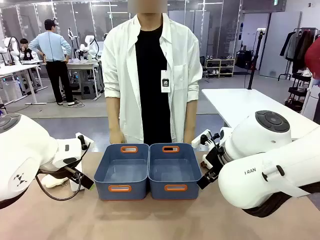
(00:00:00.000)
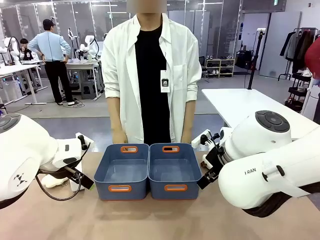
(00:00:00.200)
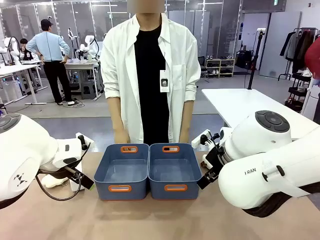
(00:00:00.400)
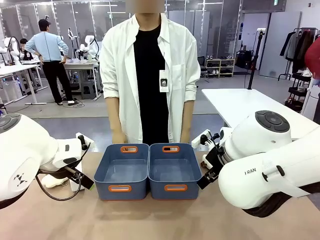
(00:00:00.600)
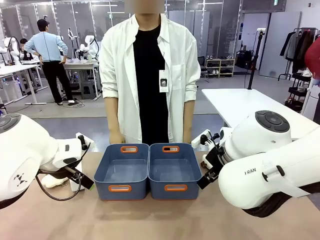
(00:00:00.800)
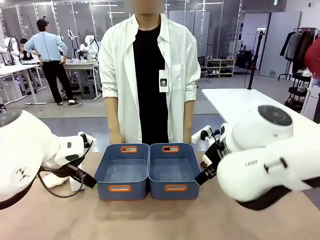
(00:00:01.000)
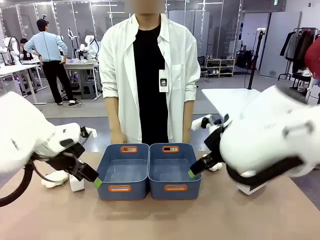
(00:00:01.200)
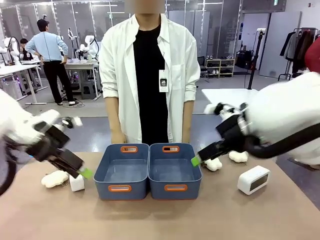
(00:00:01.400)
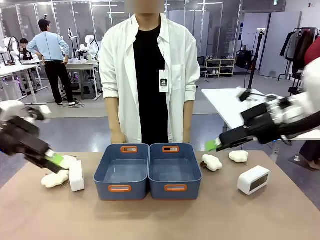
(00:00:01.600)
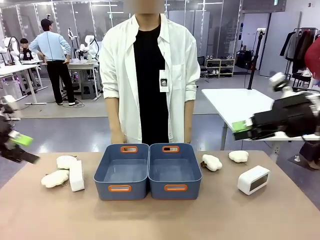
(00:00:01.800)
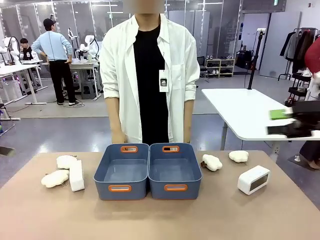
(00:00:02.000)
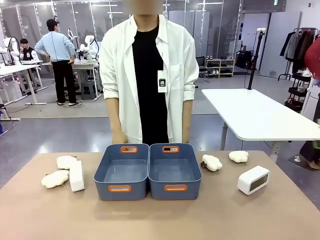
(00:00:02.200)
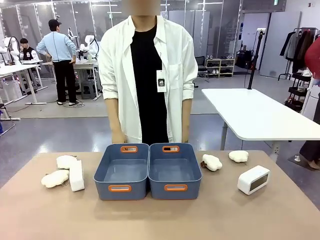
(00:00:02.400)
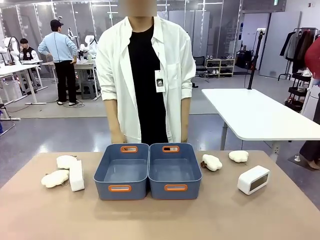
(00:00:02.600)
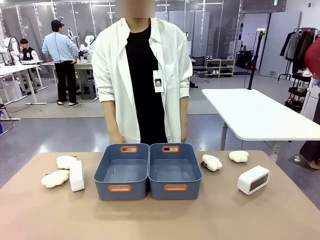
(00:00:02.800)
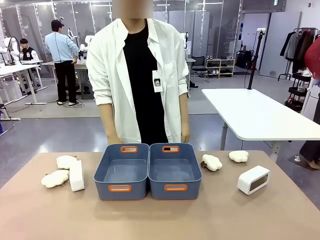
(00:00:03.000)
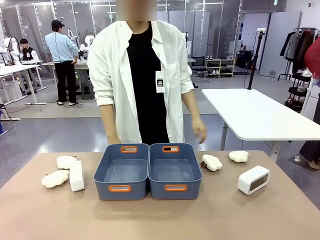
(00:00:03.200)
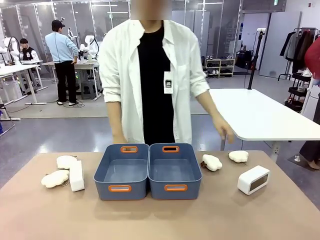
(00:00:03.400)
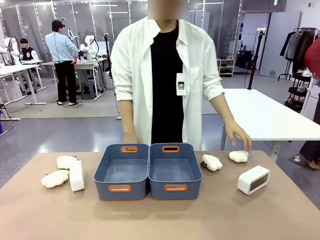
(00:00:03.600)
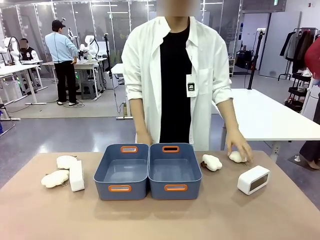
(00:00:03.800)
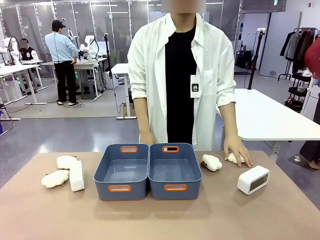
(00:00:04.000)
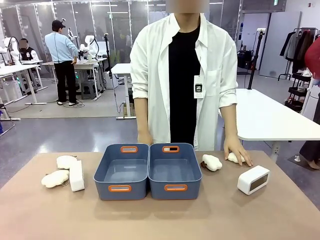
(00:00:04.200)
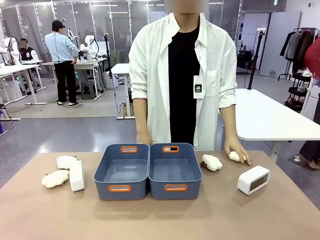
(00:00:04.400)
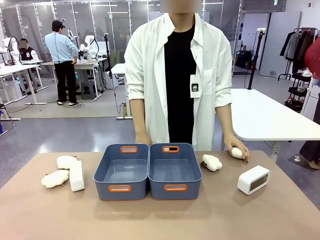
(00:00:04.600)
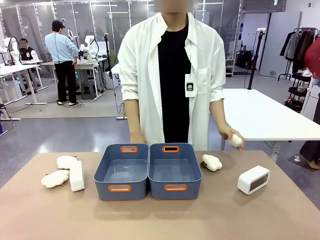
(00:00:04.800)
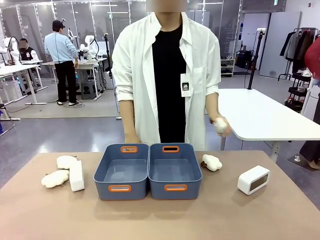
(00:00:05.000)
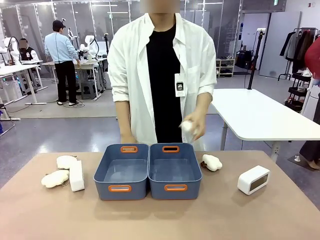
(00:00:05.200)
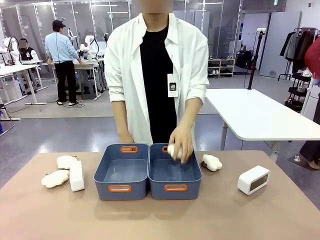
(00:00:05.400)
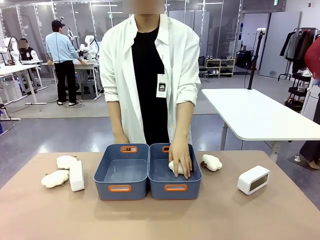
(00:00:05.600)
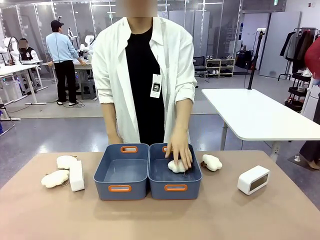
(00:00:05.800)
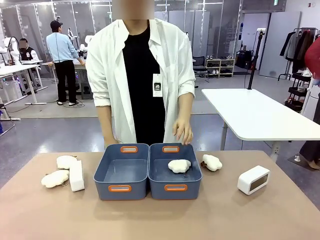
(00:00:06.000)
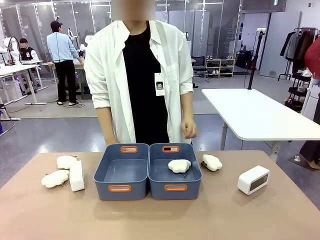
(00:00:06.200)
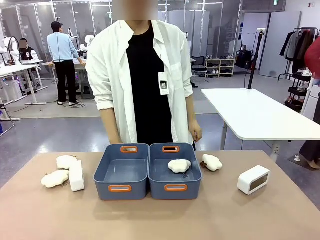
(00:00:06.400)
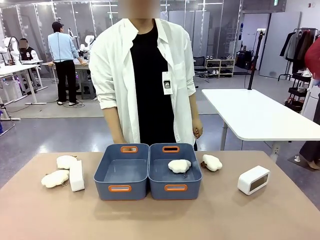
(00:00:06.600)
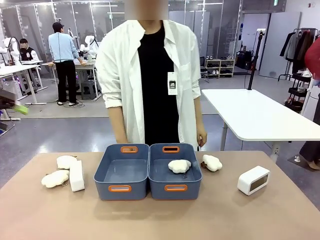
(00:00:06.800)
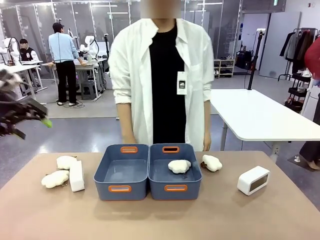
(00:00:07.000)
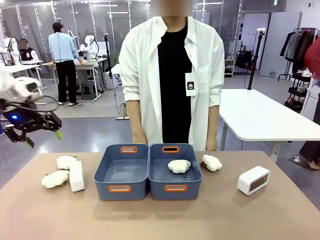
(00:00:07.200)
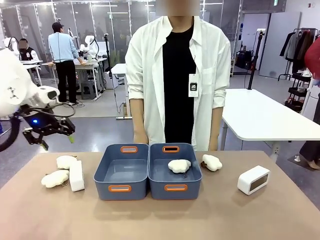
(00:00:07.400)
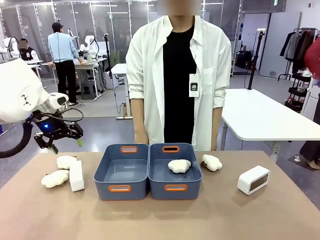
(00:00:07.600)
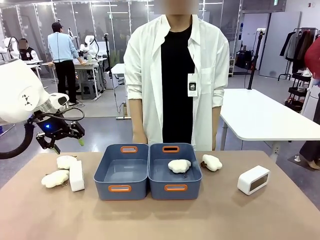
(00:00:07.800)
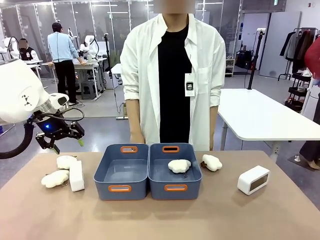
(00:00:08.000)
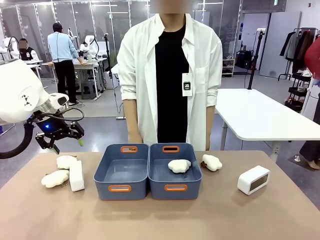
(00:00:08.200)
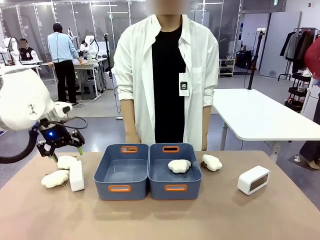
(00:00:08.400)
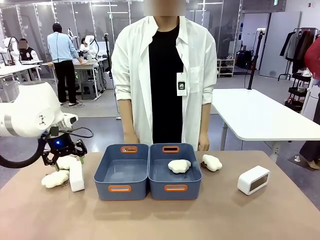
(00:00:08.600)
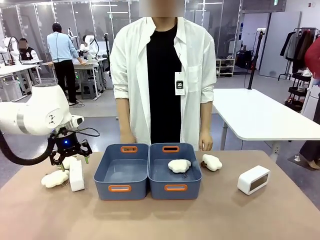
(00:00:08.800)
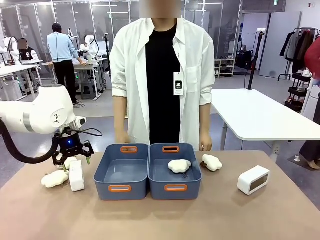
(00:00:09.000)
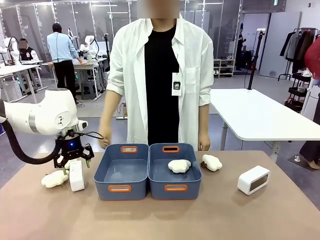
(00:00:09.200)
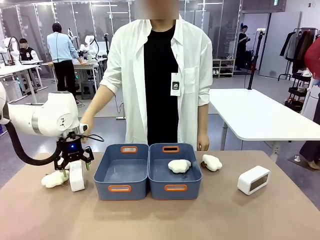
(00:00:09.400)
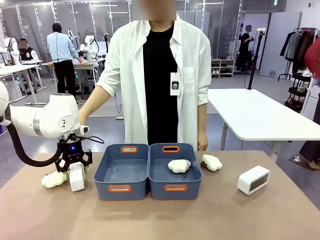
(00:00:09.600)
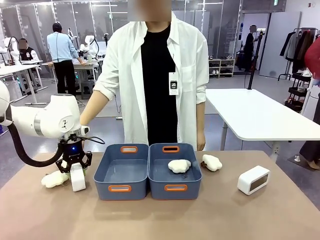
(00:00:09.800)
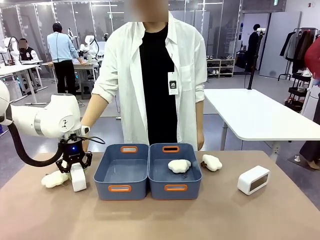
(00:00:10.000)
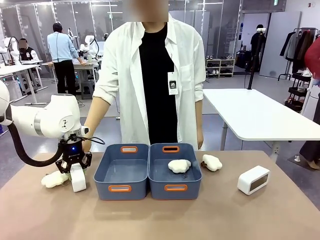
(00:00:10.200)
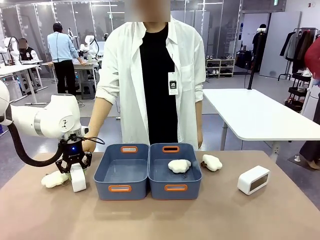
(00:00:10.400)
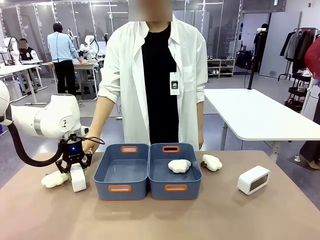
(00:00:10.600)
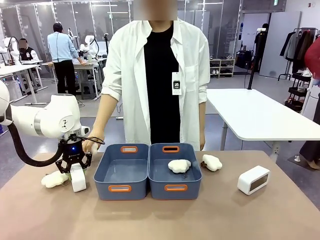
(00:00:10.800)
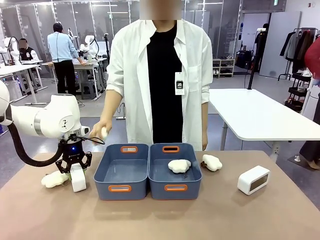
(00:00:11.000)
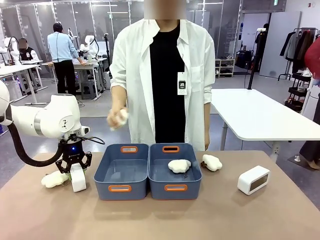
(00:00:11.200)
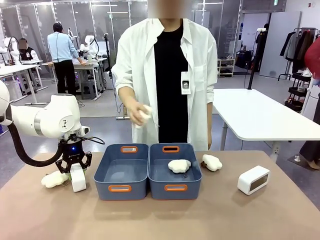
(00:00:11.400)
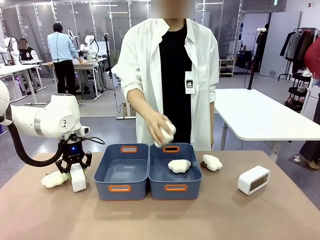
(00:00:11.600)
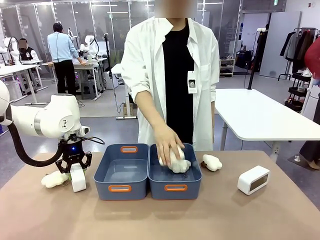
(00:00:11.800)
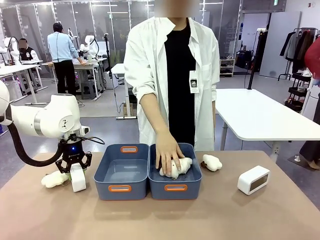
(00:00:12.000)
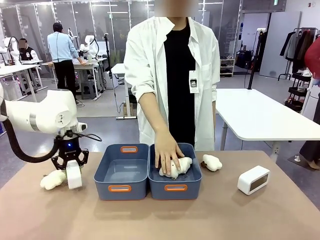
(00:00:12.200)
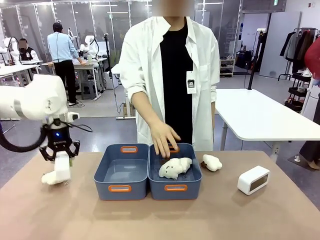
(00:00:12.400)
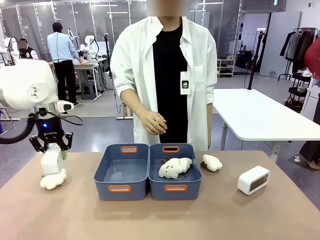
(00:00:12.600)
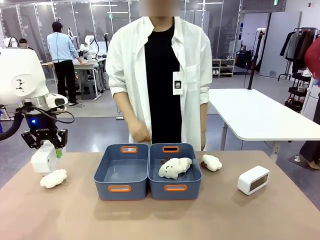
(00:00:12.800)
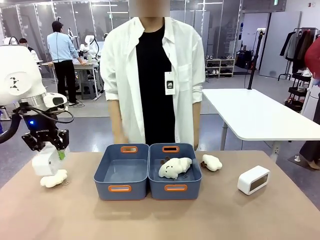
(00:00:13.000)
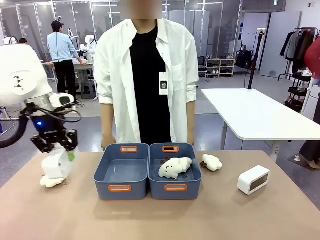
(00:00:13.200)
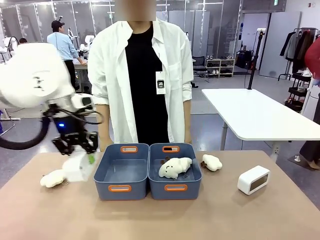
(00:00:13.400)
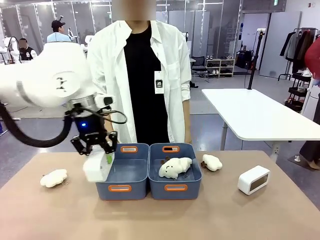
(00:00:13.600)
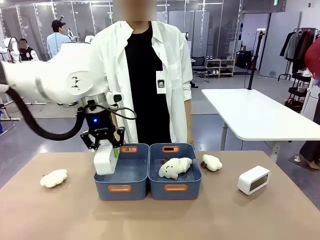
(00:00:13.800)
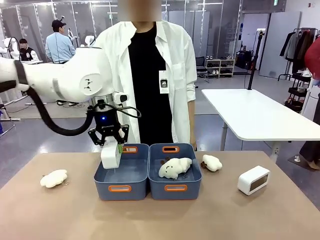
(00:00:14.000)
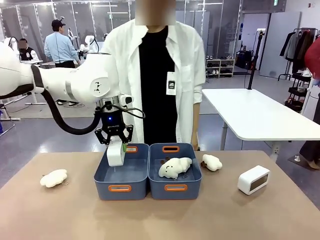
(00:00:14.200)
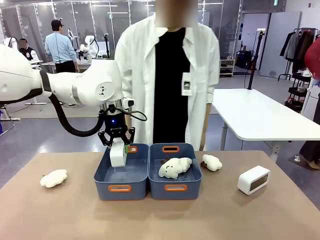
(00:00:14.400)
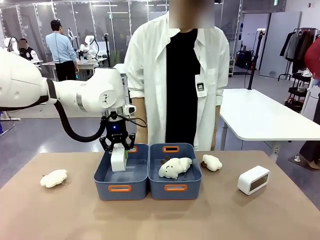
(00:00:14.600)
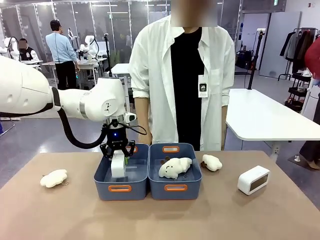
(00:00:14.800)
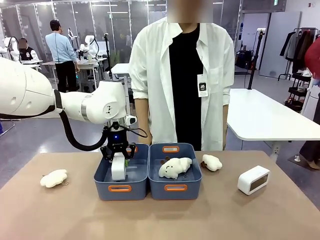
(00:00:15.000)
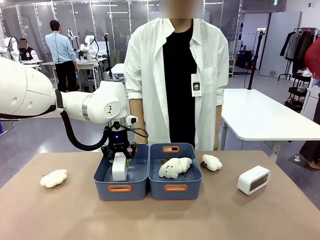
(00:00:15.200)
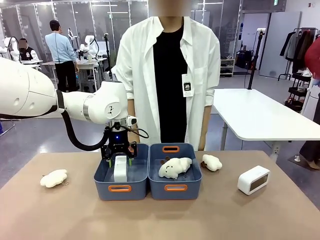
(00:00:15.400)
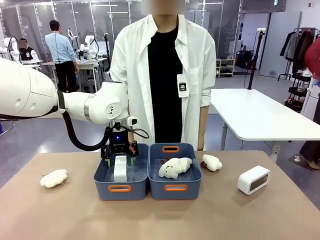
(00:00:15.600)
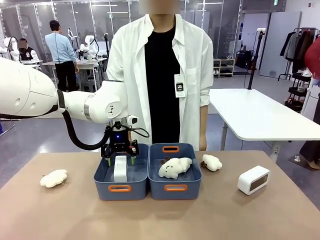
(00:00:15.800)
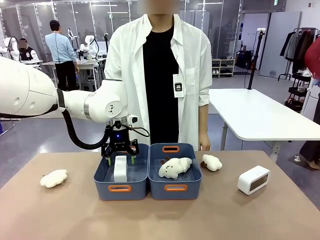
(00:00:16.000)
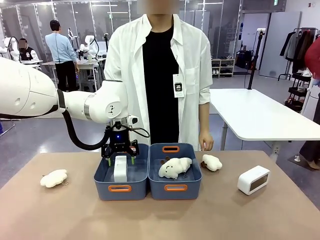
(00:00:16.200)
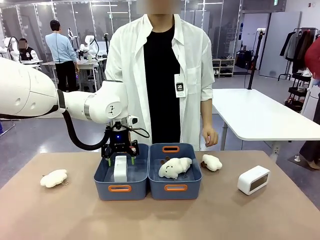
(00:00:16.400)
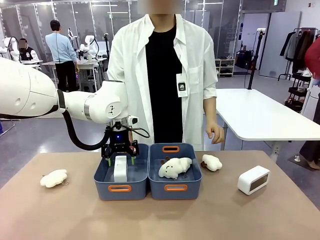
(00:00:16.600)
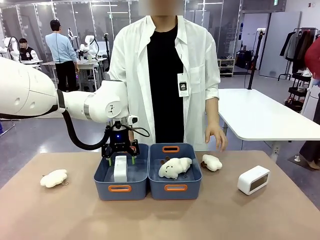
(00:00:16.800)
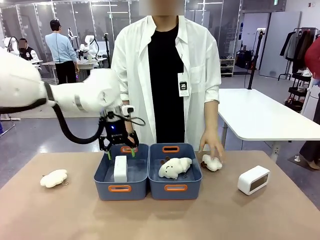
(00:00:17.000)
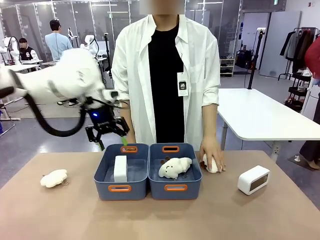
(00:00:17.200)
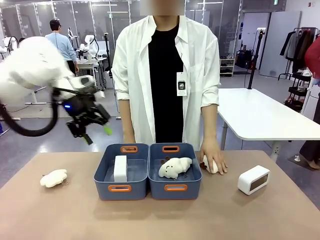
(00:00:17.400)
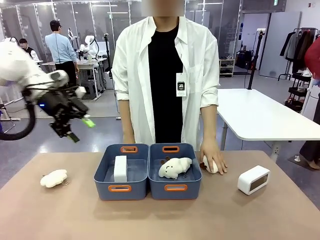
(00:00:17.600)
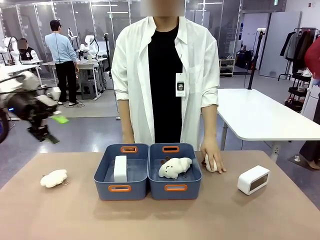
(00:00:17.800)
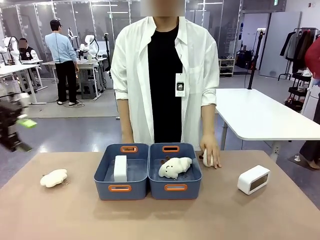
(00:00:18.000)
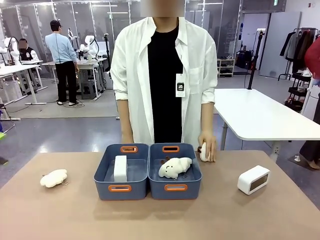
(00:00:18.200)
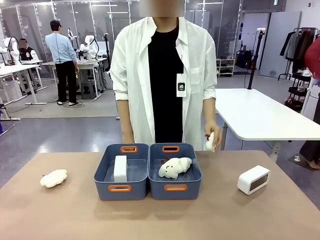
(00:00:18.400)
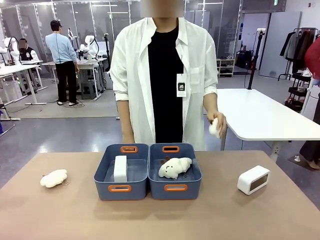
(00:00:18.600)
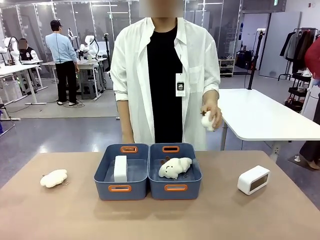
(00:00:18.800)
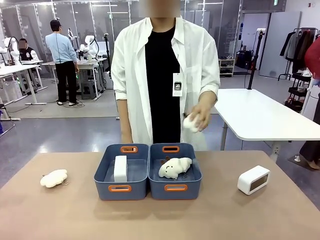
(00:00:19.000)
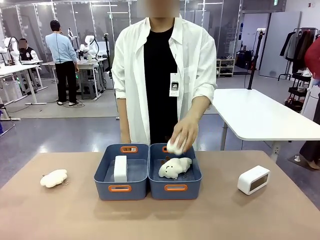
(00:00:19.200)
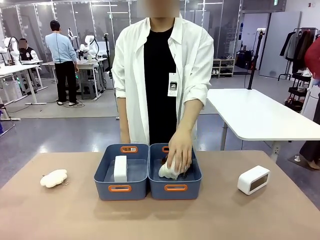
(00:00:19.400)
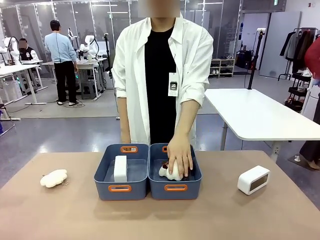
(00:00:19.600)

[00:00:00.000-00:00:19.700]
Task: Sort the digital clocks into the basket.
Robot: Pick up the Digital clock from the table and place it into the empty Plastic storage basket.
Person: Pick up a plush toy from the table and place it in a plastic storage basket.
